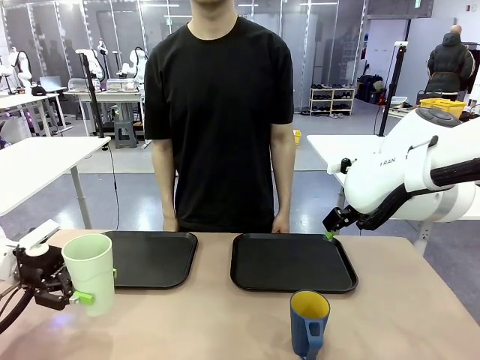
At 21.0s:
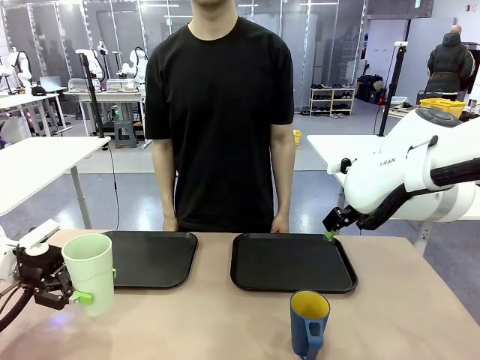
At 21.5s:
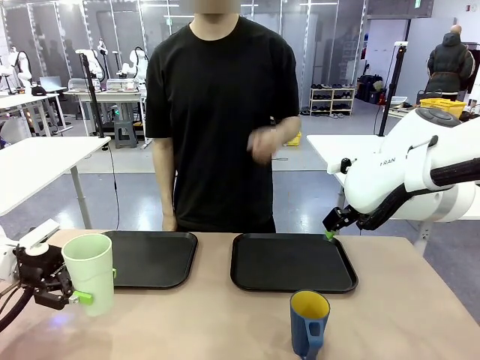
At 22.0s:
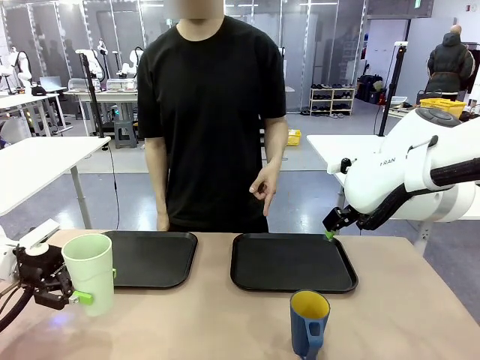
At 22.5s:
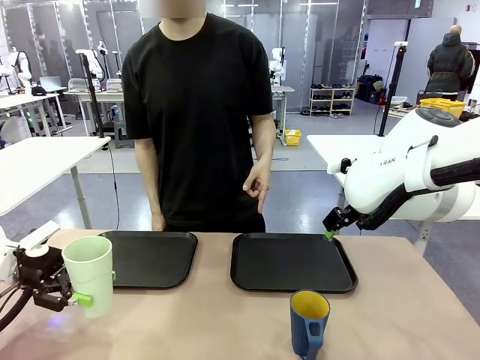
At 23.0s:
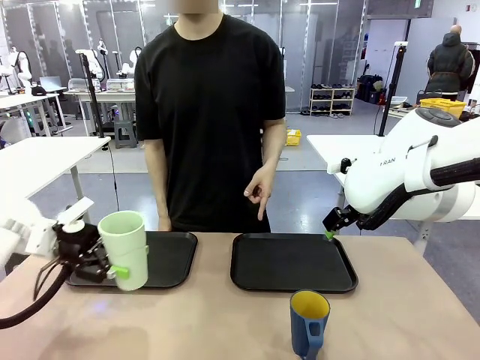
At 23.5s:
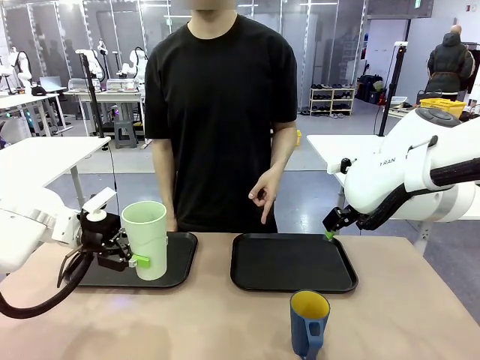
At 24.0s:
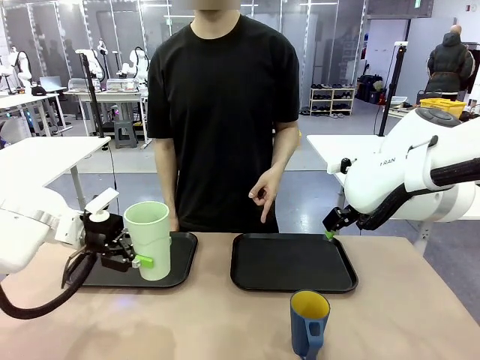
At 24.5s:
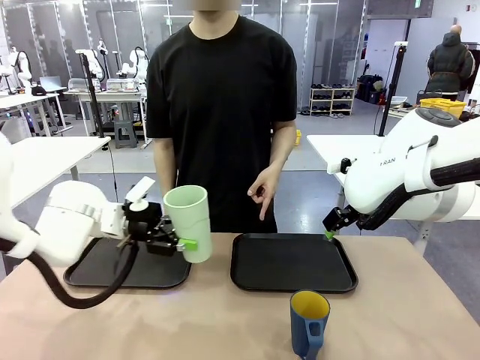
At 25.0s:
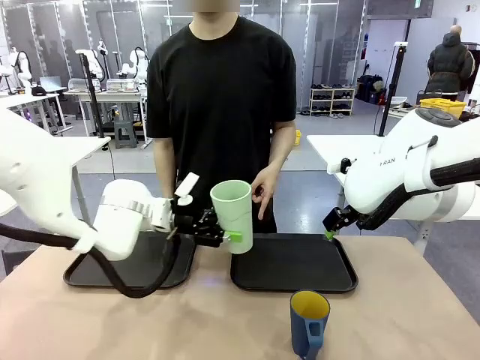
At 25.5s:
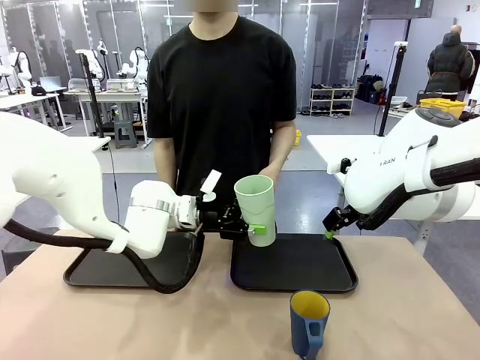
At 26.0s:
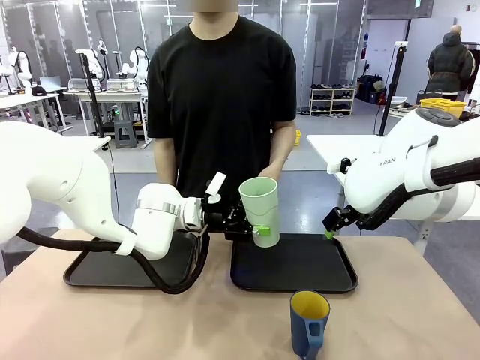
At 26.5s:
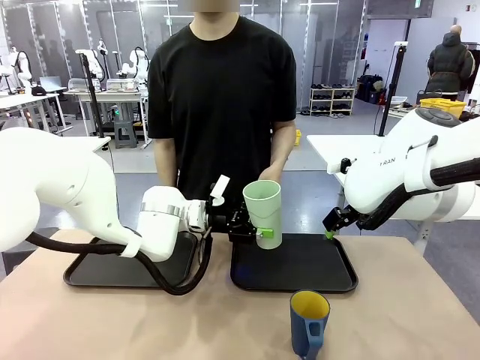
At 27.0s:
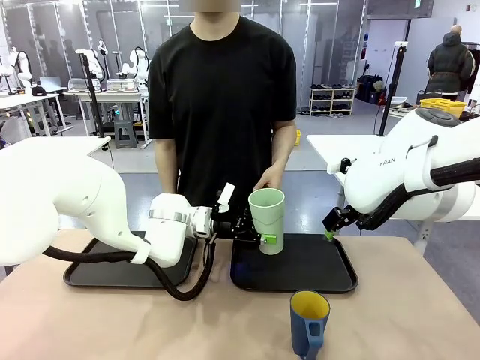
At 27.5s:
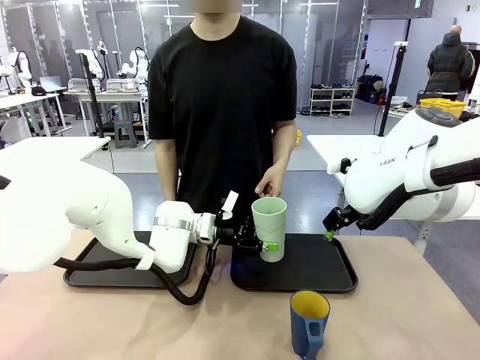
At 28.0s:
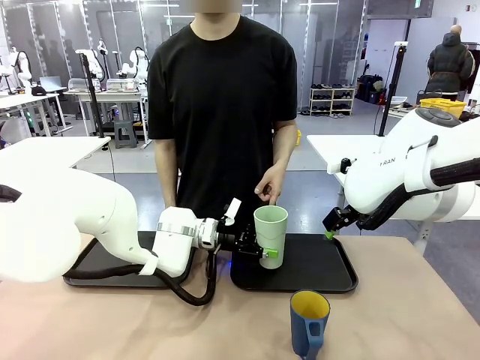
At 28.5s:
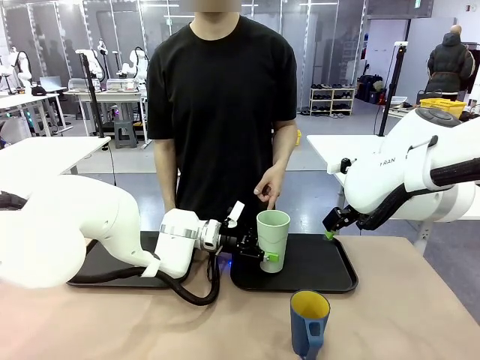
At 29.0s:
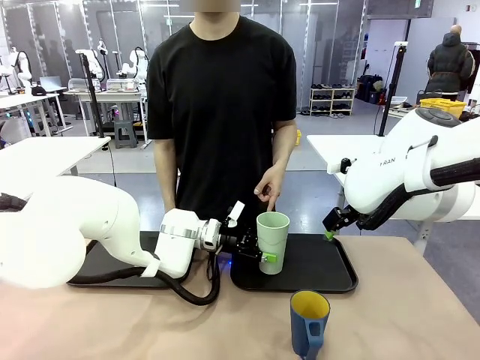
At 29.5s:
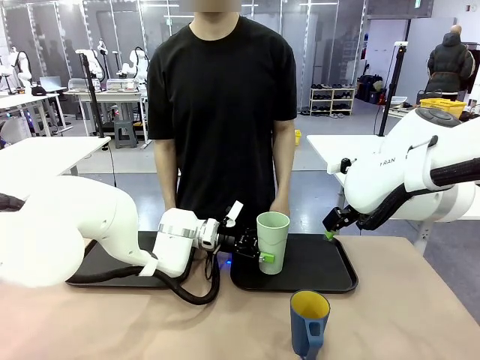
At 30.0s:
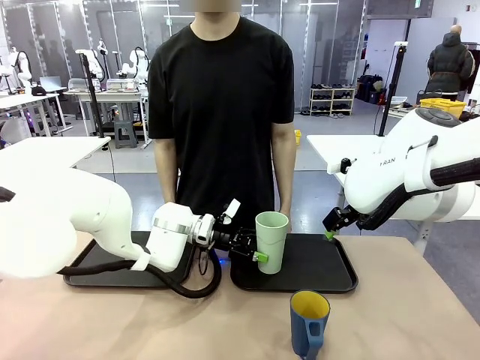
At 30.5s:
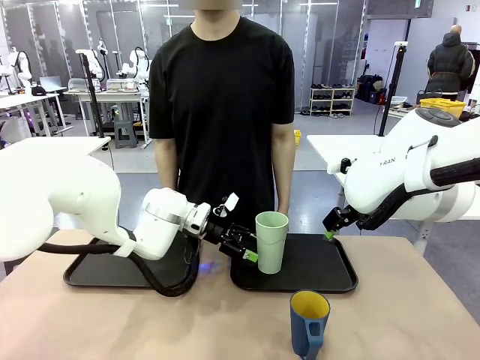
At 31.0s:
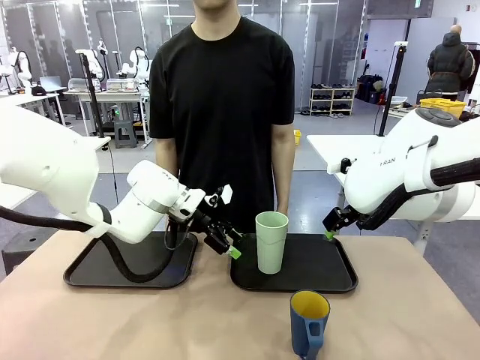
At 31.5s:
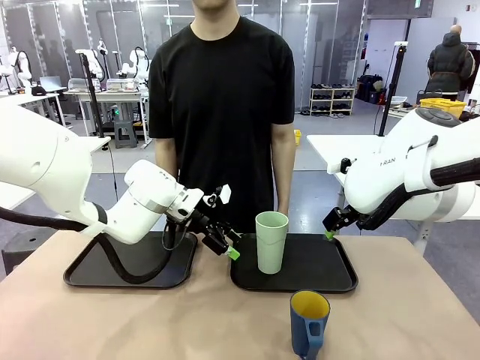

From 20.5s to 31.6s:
Task: Sort and store the cups by type.
Robot: Place the picked Reusable plastic cup into the Flat Tray indicated by the person.

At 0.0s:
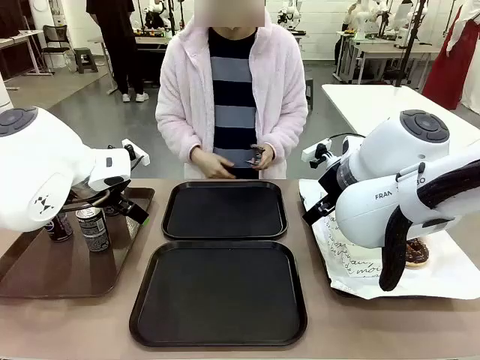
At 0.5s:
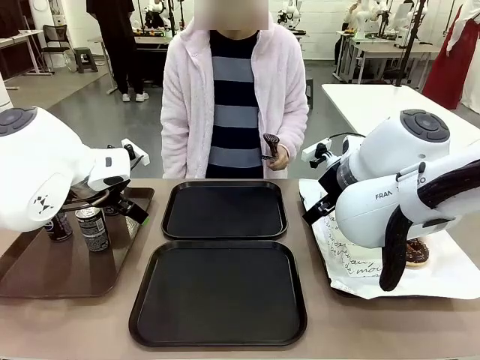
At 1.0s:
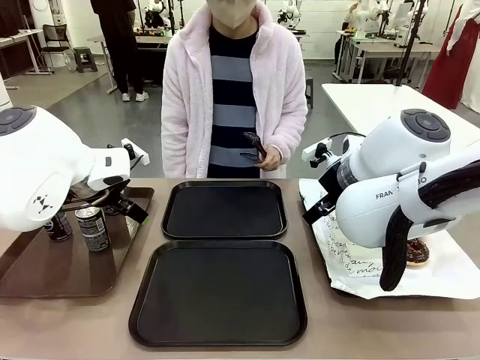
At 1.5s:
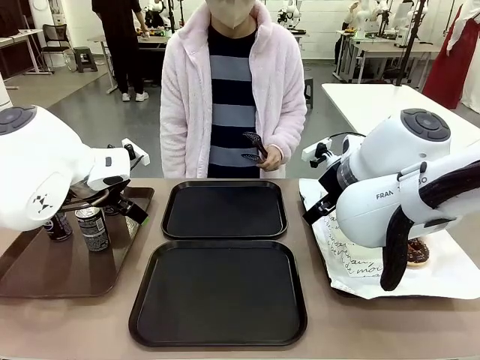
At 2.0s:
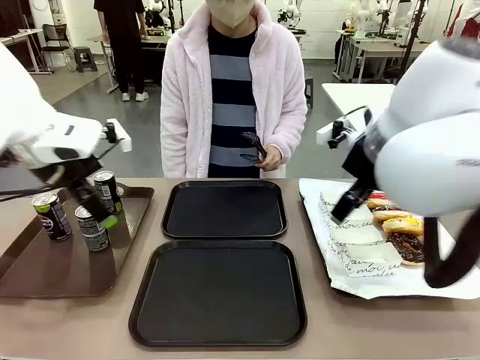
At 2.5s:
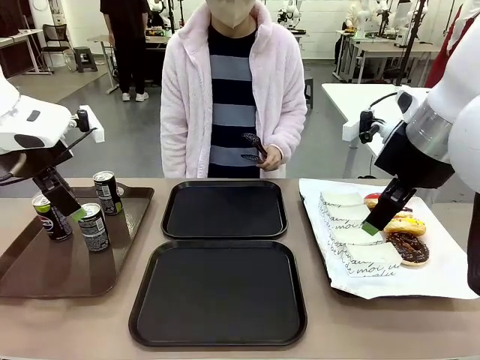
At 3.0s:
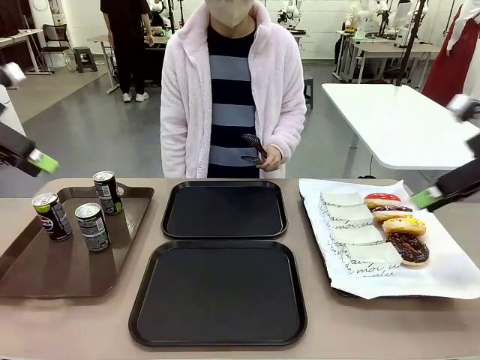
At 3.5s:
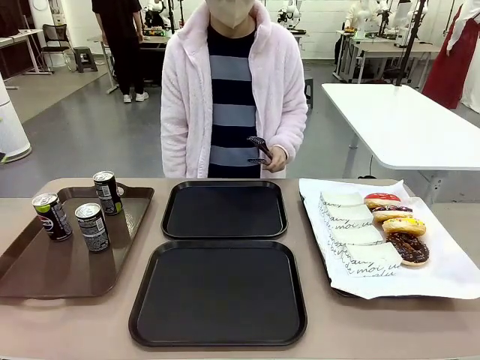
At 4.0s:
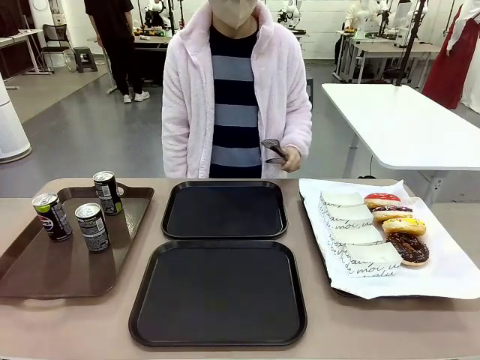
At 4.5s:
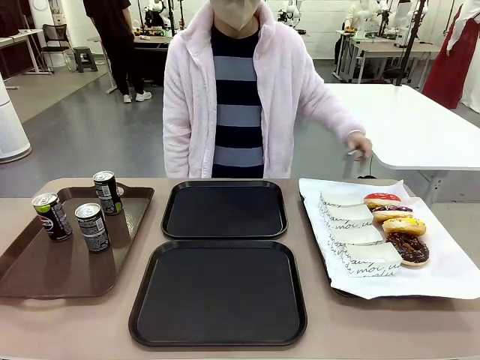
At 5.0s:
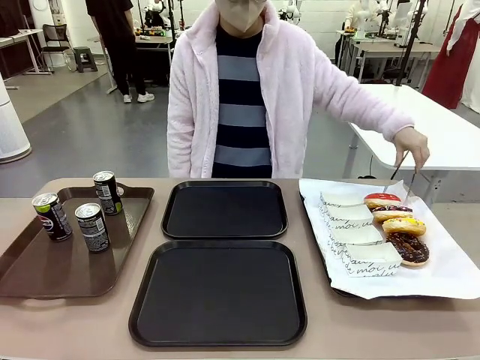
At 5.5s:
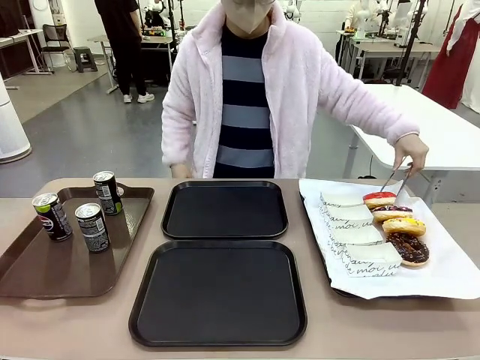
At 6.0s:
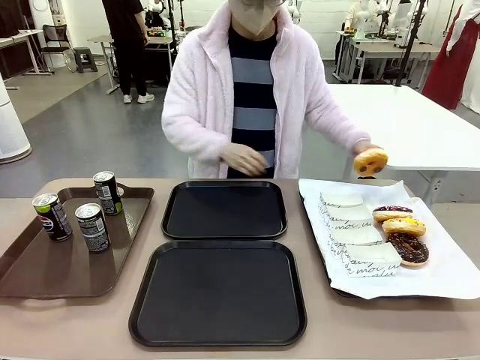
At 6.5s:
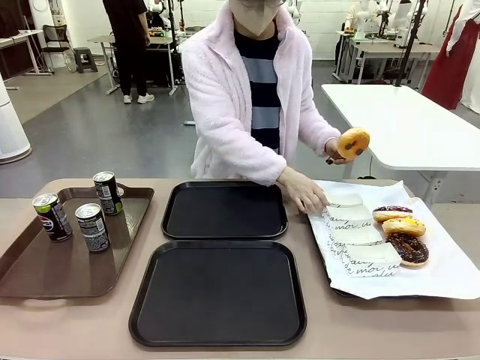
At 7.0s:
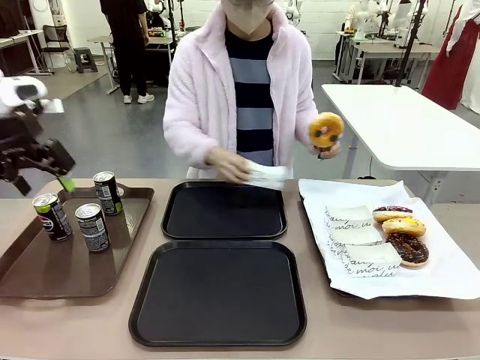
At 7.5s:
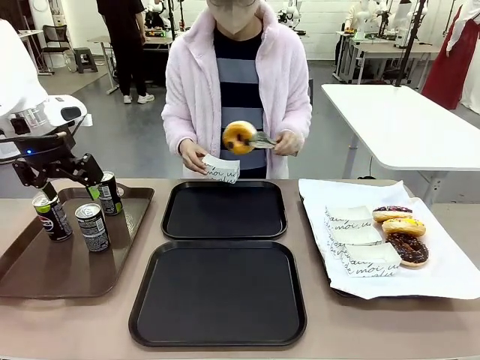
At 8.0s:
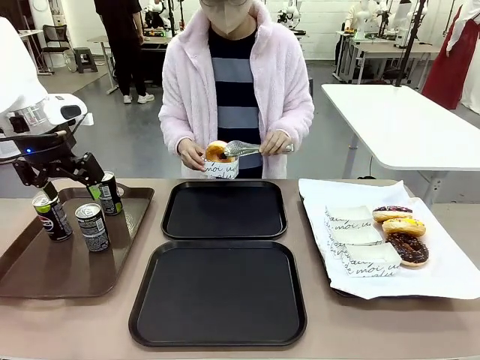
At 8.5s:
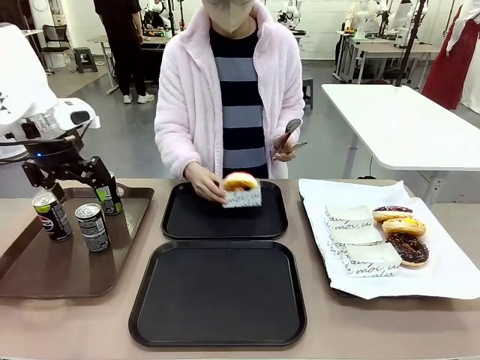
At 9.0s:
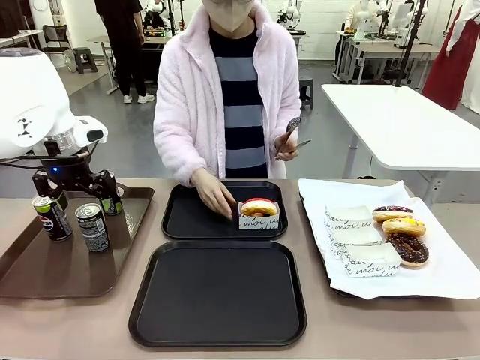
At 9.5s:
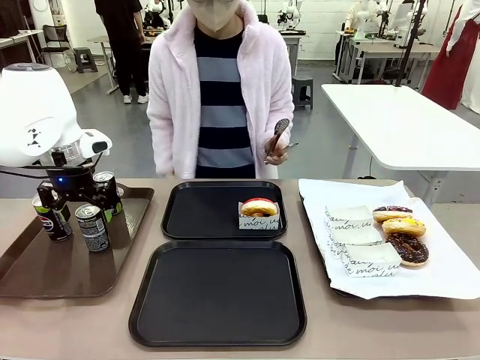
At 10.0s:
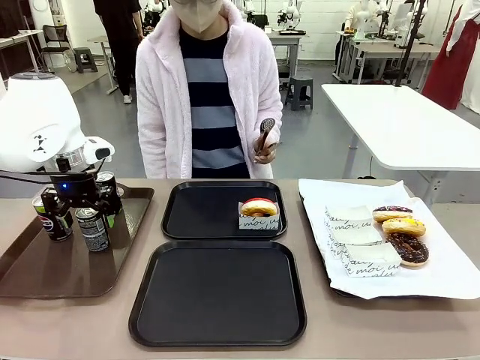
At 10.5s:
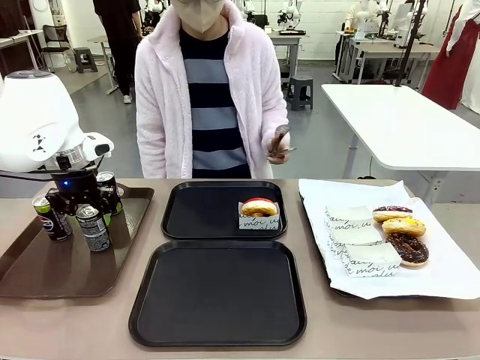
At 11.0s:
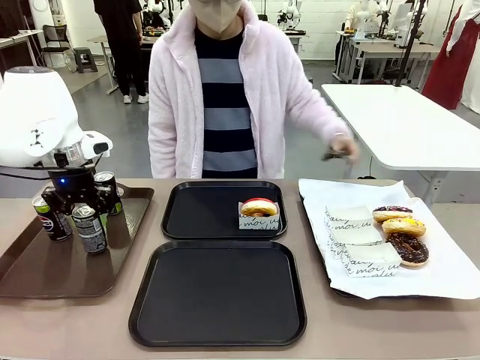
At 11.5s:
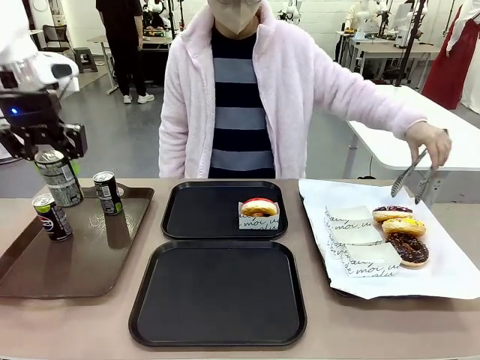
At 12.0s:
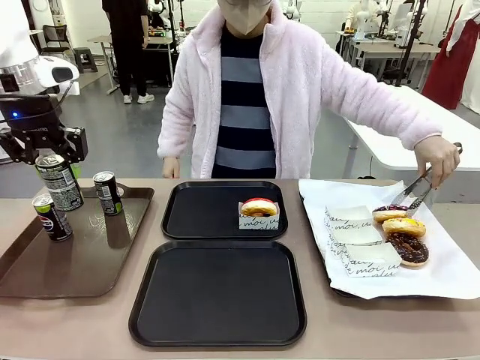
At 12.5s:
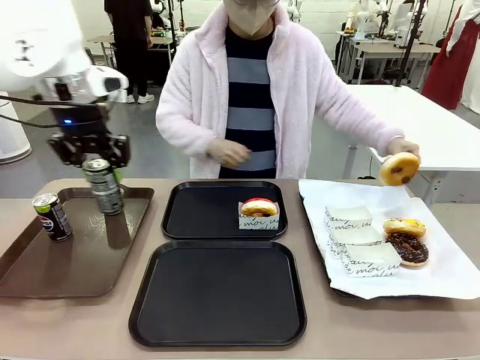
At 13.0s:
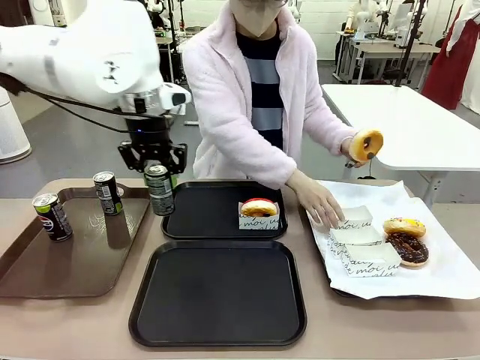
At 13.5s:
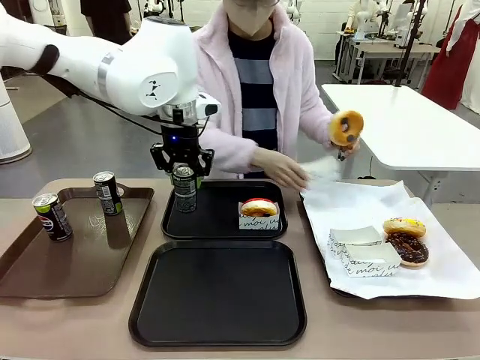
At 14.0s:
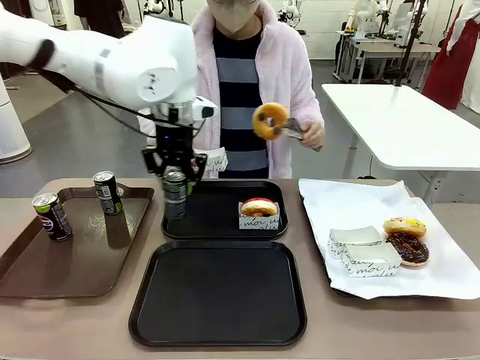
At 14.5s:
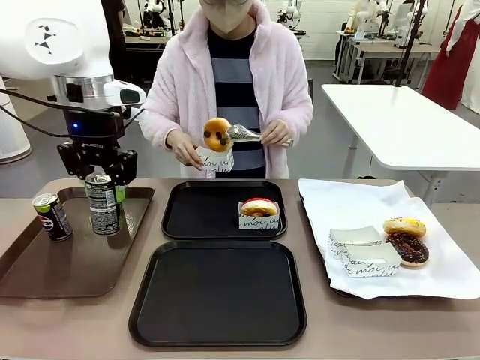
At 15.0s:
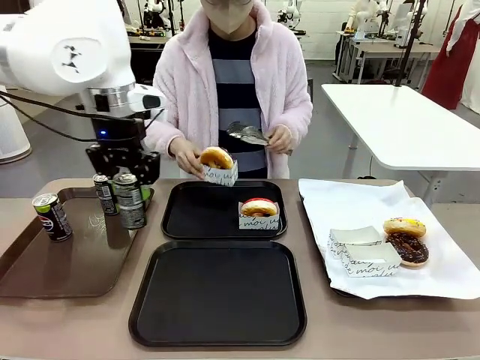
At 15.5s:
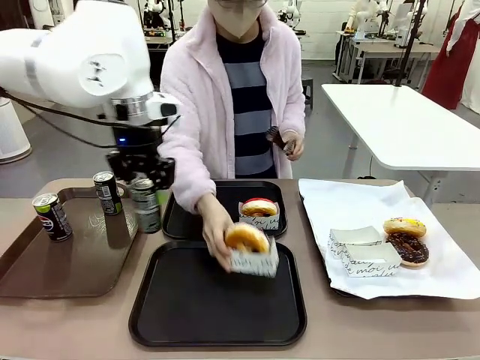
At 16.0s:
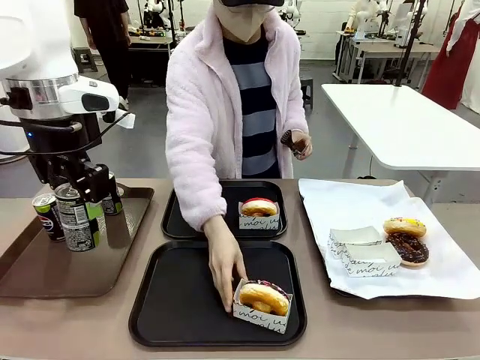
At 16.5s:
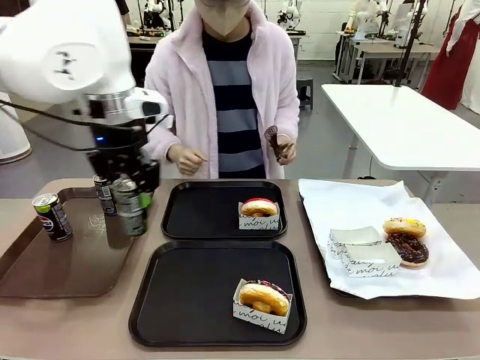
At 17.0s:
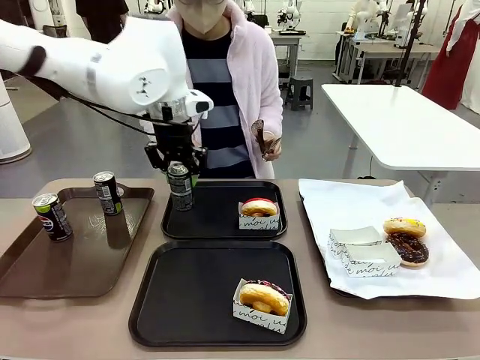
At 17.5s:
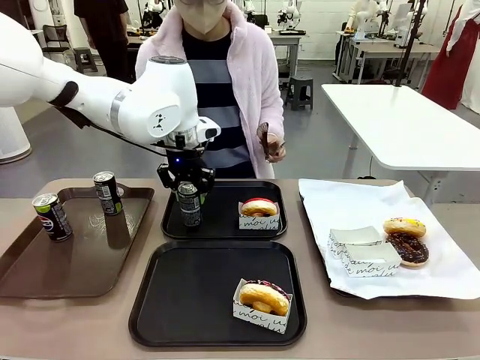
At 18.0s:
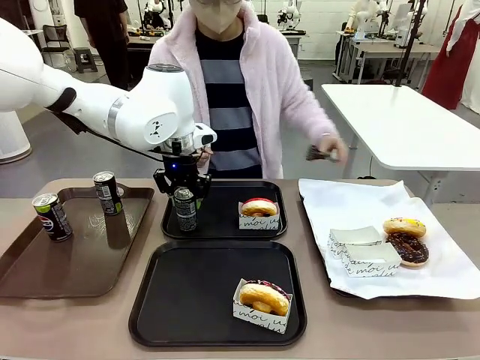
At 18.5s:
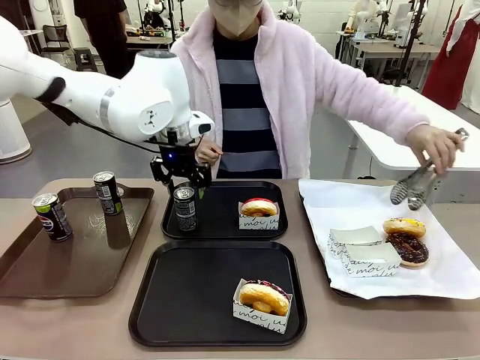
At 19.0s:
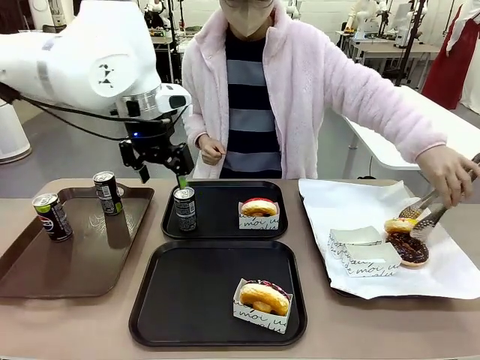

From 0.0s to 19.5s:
Task: Set up donuts and drinks on trays.
Robot: Pick up one Pepsi coke and place it on the Flat Tray.
Person: Pick up one donut with tongs, place it in the donut tray, and then place the donut tray on the flat tray.
